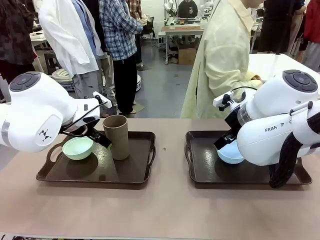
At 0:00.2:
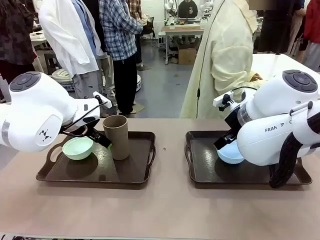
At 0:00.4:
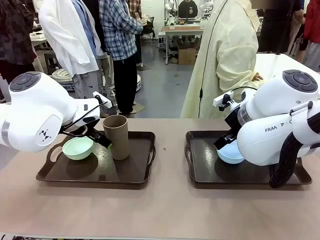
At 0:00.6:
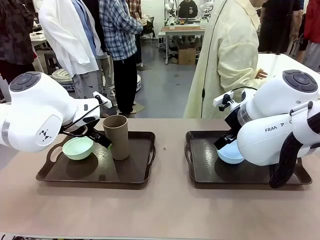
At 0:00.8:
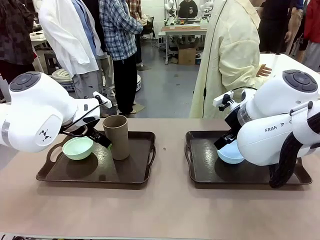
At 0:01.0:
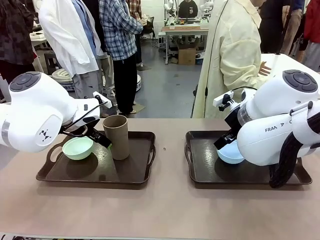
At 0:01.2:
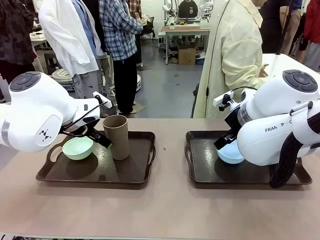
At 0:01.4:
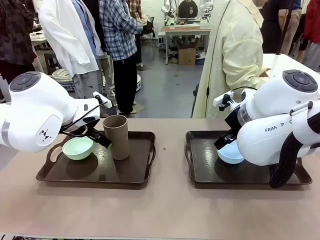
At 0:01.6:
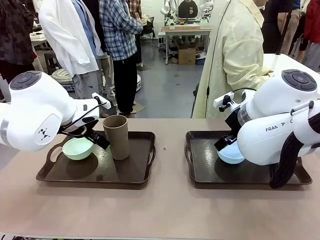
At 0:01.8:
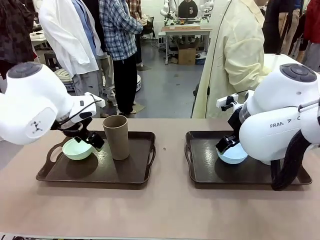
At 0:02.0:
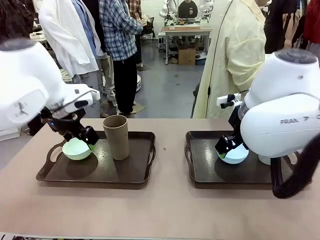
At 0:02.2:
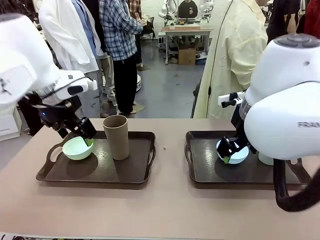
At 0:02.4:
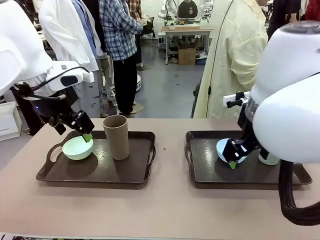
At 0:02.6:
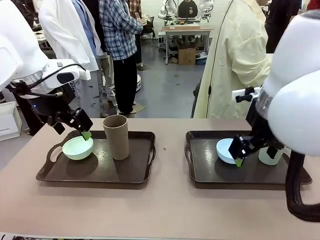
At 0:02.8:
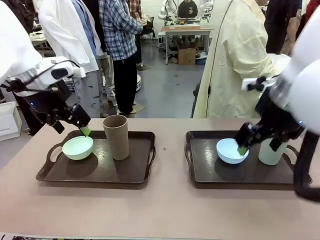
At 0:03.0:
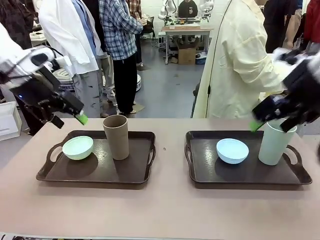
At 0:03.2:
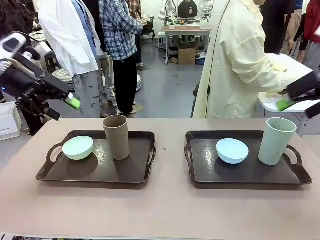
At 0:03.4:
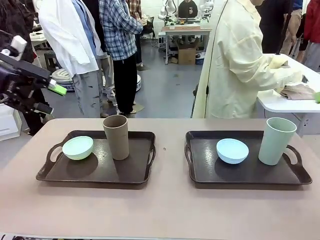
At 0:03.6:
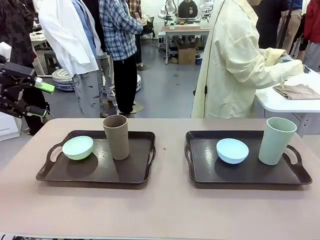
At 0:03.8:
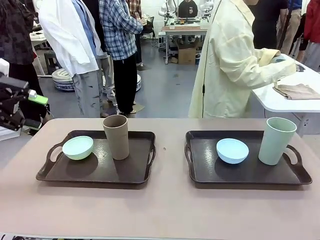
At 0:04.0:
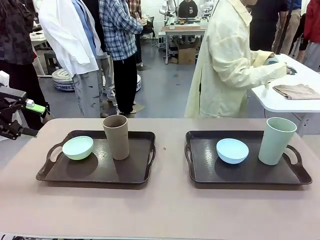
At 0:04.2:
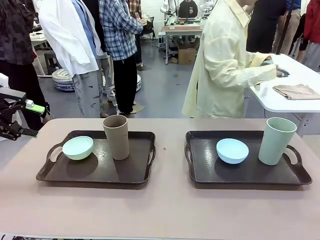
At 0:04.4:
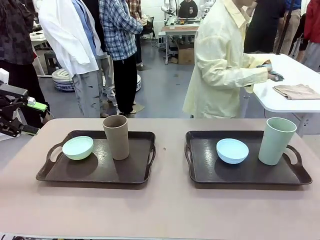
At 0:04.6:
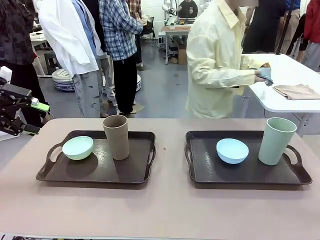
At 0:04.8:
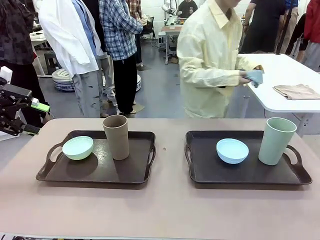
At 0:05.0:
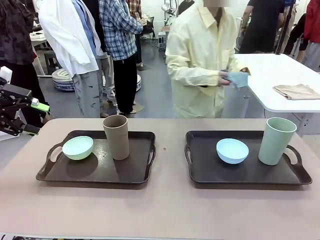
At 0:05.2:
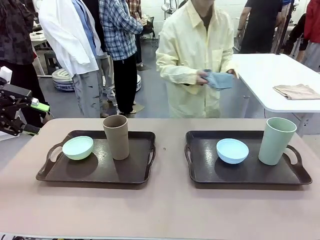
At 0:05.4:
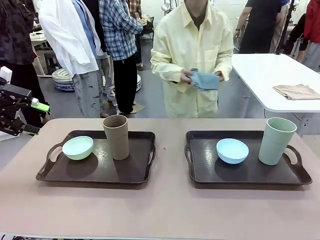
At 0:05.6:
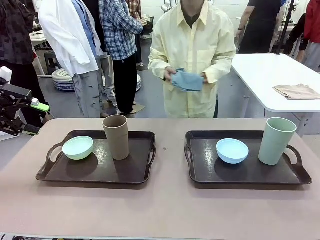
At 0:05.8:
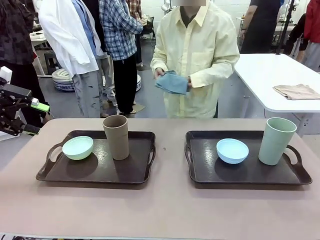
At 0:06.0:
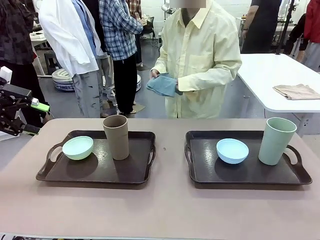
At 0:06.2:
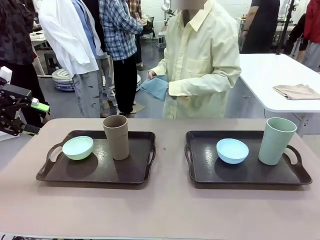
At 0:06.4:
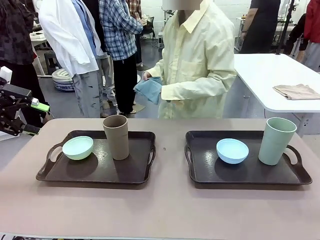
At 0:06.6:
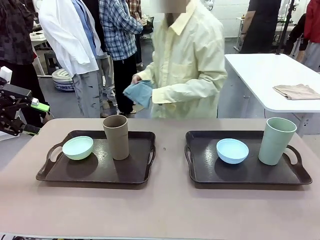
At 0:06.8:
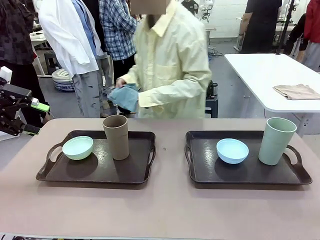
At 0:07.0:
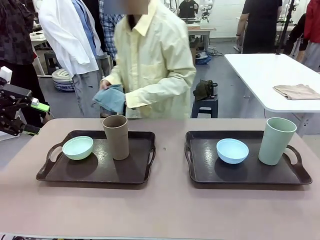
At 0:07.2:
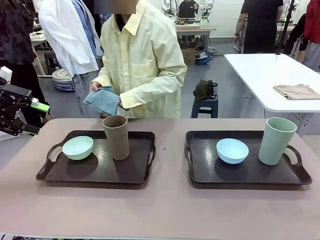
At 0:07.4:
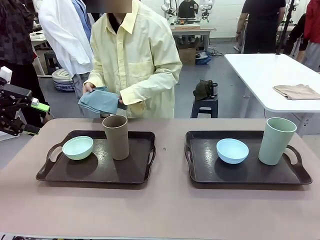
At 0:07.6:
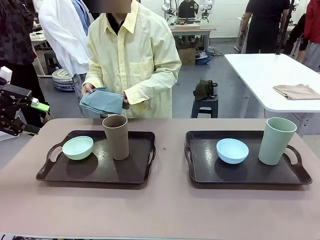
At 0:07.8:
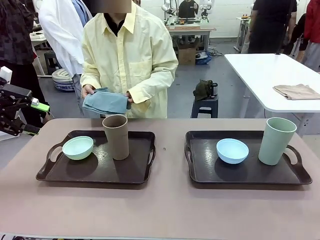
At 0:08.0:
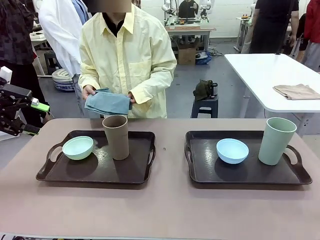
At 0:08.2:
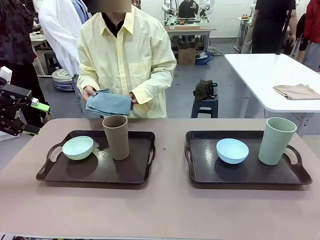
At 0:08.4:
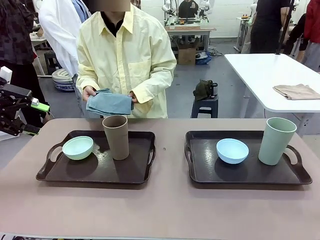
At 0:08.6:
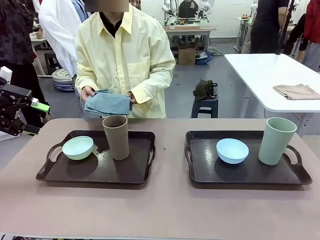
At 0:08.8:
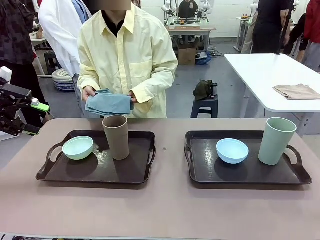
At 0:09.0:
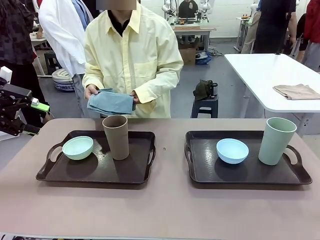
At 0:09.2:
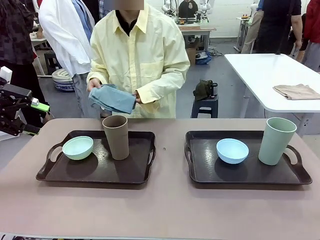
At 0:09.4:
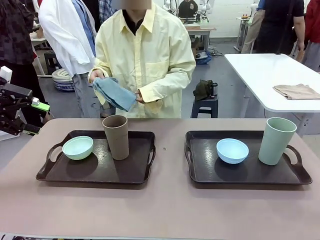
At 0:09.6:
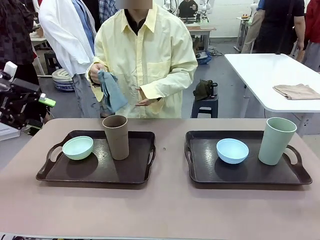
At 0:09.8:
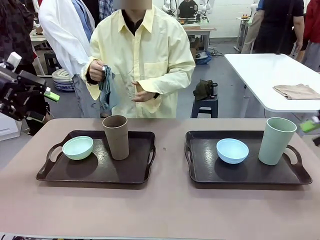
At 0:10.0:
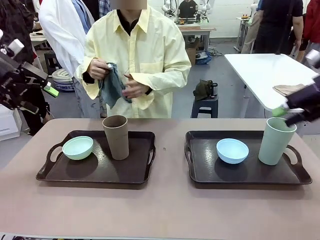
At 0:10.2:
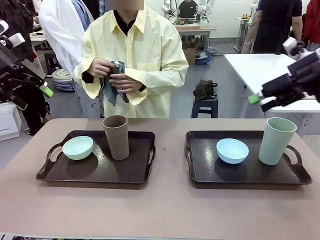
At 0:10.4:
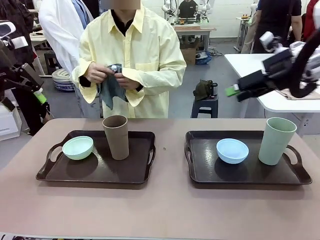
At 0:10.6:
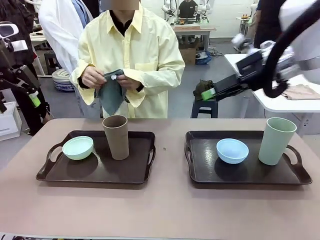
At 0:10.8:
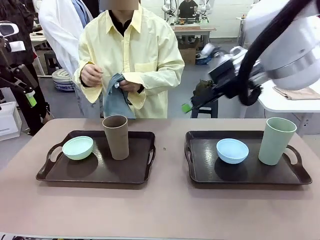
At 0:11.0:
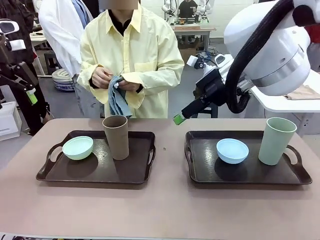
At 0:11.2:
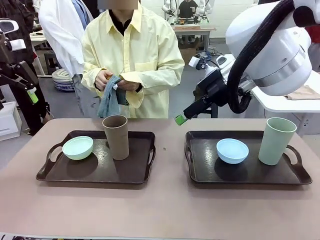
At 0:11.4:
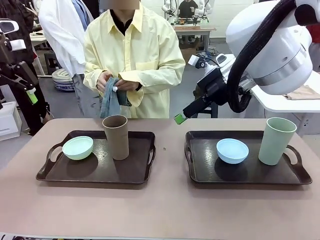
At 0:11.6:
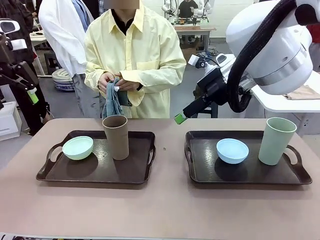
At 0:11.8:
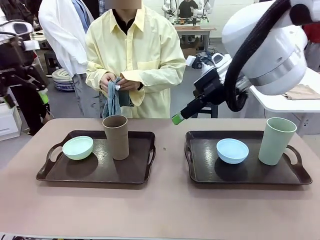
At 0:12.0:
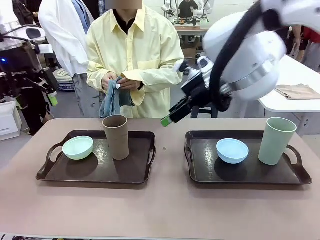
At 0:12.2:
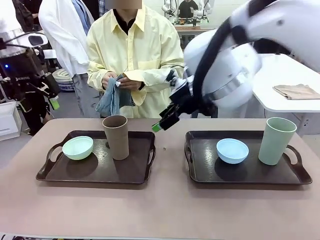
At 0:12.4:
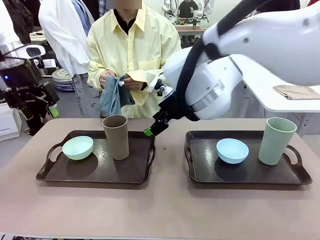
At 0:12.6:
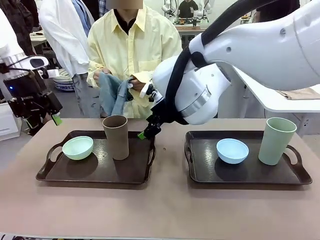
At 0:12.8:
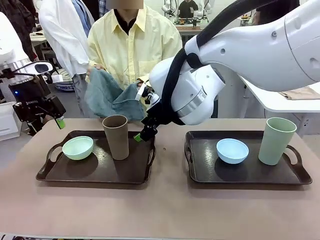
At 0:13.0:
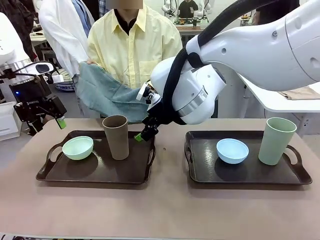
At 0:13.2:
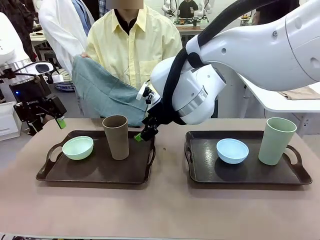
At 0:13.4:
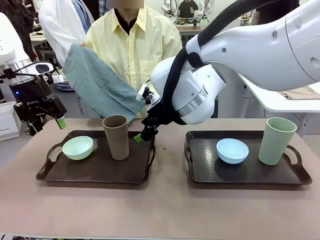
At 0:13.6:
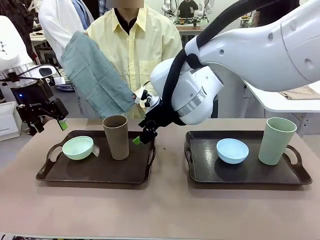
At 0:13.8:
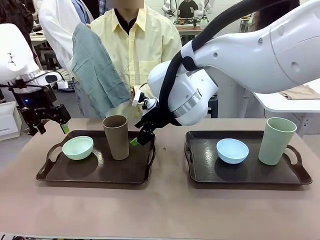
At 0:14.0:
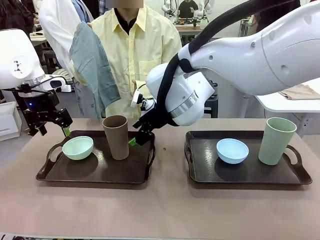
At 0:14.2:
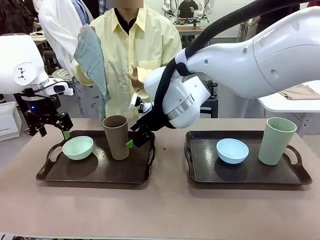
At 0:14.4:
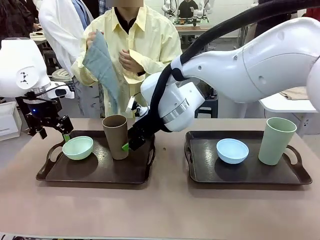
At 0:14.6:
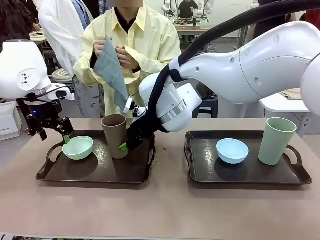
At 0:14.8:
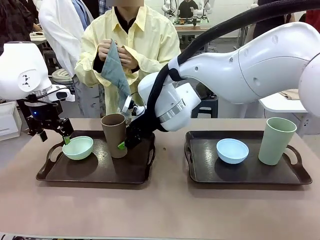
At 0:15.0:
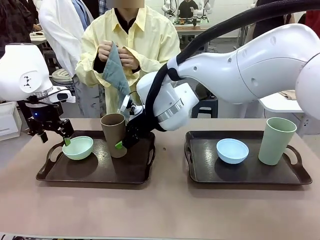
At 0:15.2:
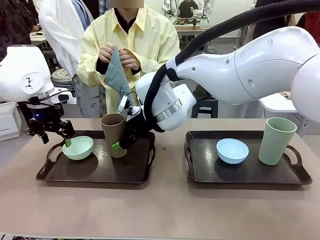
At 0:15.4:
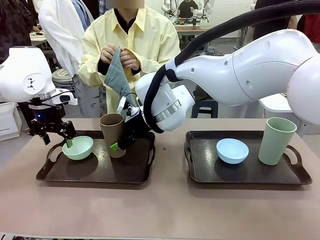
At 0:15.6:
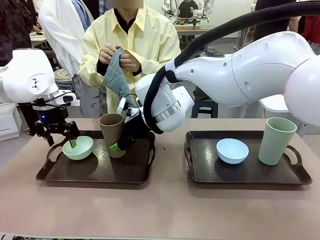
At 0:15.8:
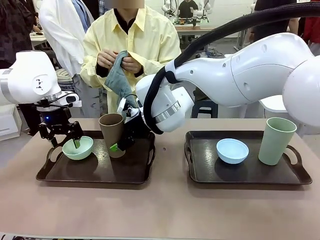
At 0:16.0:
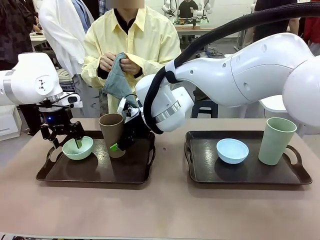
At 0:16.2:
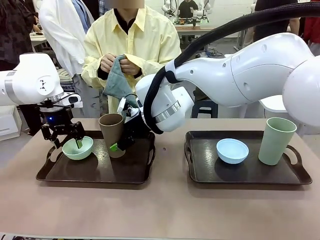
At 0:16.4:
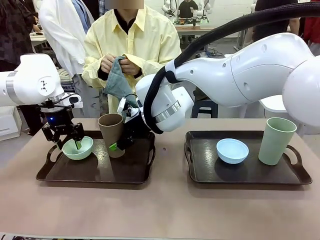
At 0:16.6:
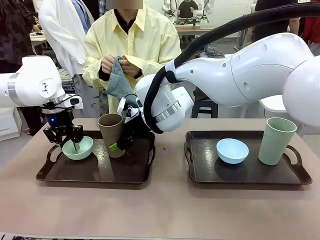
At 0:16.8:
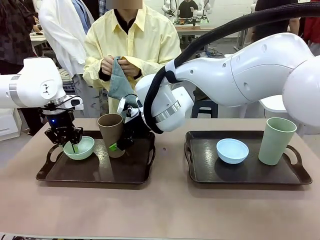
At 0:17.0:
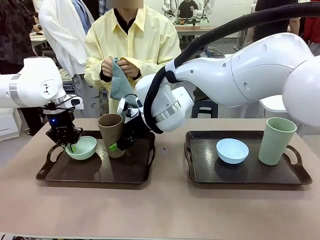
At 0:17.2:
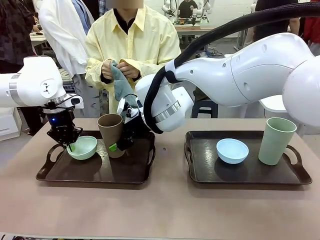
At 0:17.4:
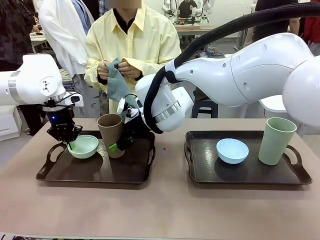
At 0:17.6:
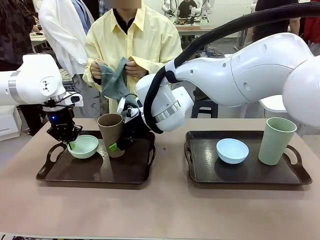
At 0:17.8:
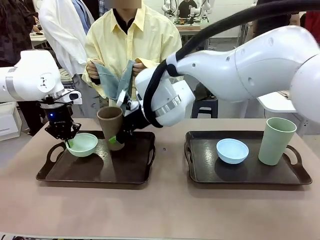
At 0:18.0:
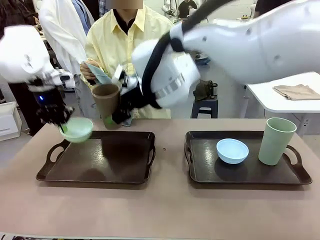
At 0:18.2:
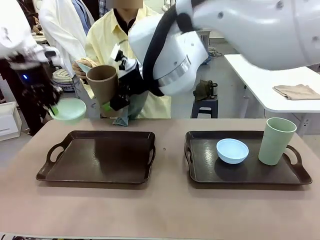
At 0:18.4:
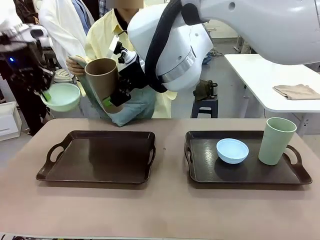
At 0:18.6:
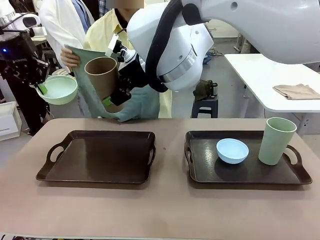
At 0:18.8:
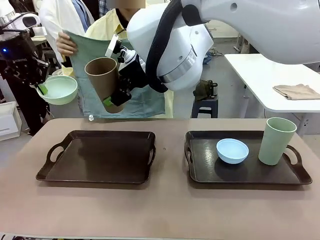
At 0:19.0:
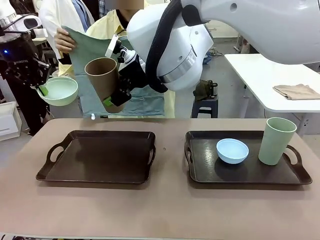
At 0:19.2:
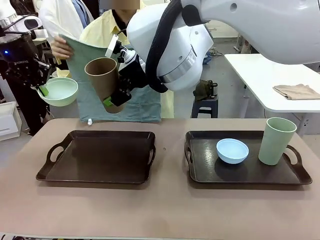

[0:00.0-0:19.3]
Robot: Pick up the Picnic Bowl and Reusable plastic cup from the Handle tray in front of the human's position and hold them in the air.
Person: The human picks up the top napkin from the stack on the human table and walks to the robot table to stand in front of one of the two trays. When the robot lifts the bowl and the cup, the human unfolds the napkin and lays the napkin flat on the tray.
